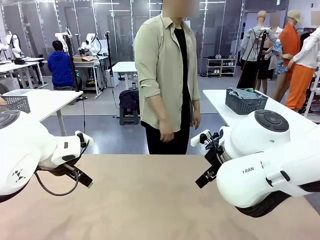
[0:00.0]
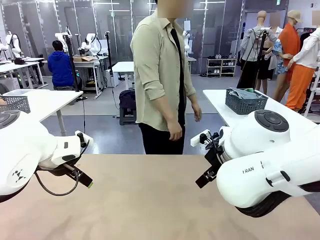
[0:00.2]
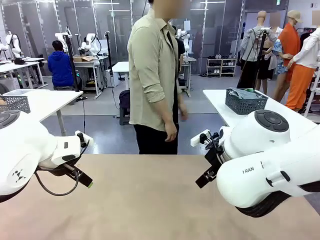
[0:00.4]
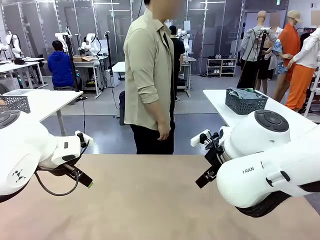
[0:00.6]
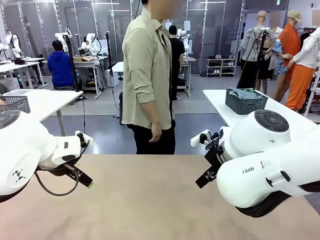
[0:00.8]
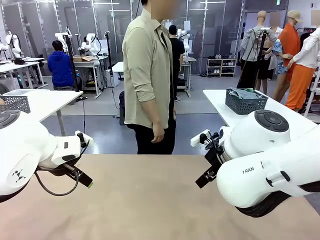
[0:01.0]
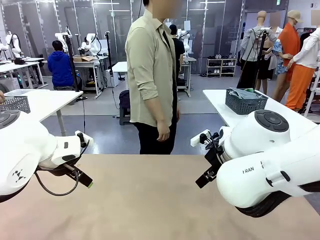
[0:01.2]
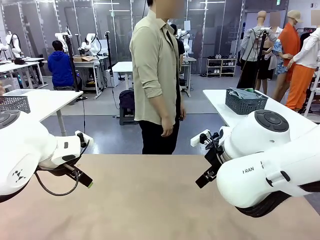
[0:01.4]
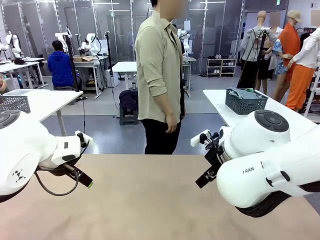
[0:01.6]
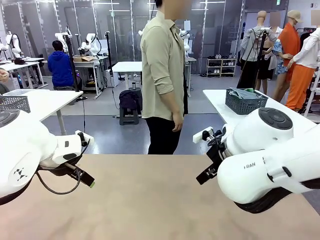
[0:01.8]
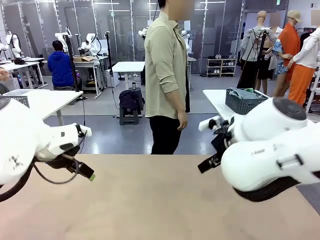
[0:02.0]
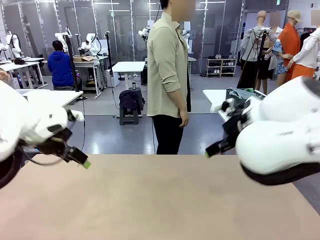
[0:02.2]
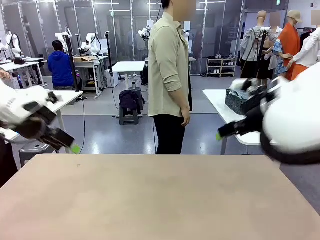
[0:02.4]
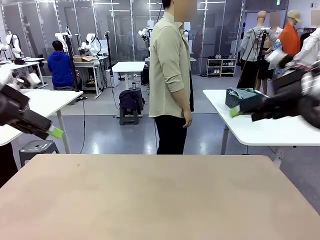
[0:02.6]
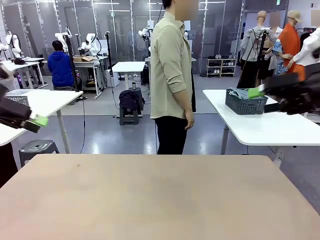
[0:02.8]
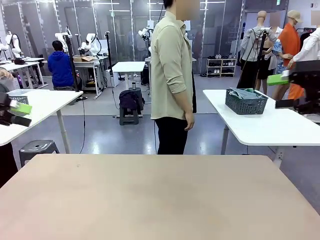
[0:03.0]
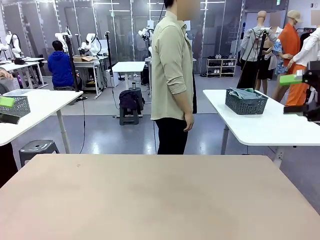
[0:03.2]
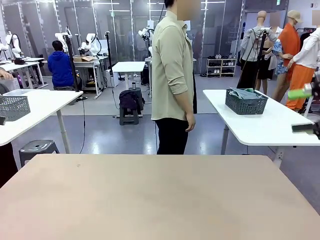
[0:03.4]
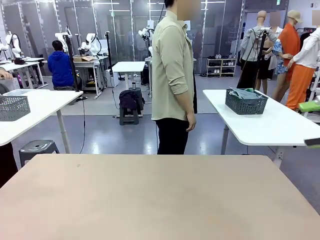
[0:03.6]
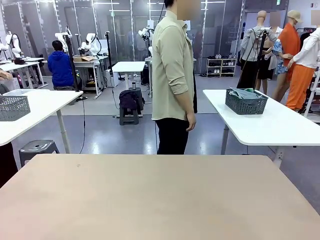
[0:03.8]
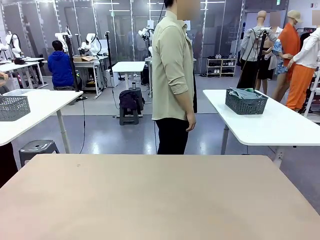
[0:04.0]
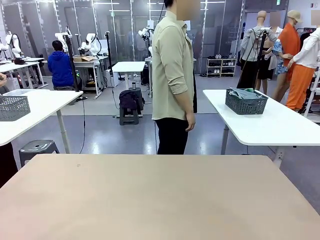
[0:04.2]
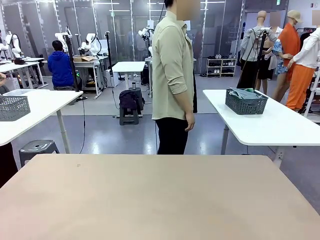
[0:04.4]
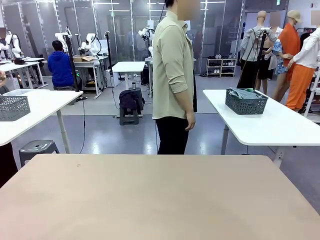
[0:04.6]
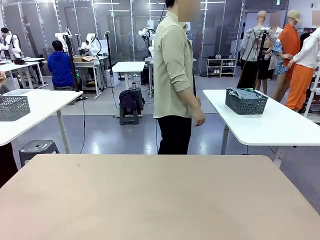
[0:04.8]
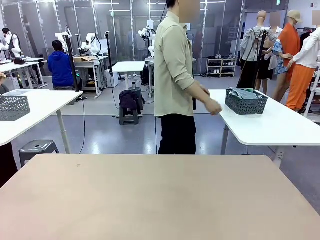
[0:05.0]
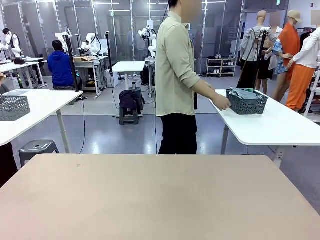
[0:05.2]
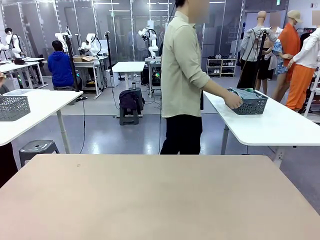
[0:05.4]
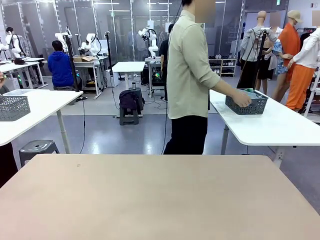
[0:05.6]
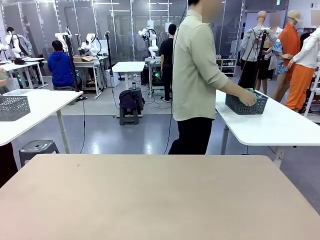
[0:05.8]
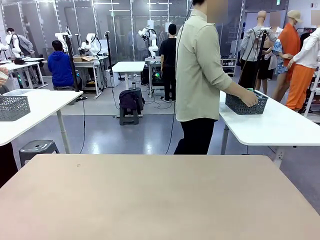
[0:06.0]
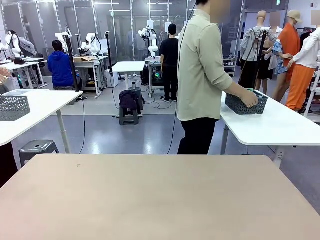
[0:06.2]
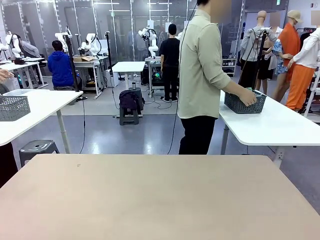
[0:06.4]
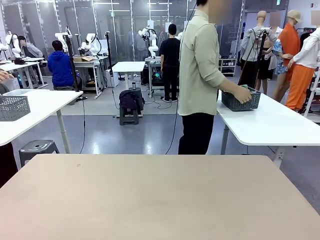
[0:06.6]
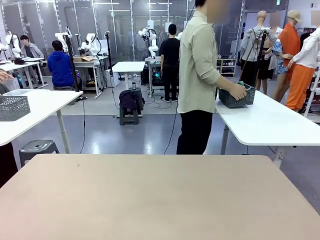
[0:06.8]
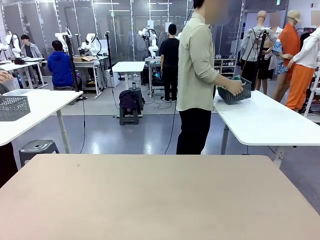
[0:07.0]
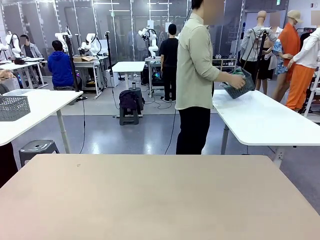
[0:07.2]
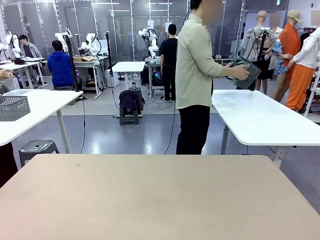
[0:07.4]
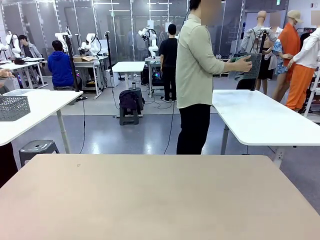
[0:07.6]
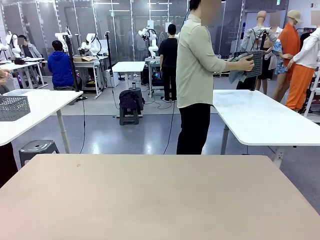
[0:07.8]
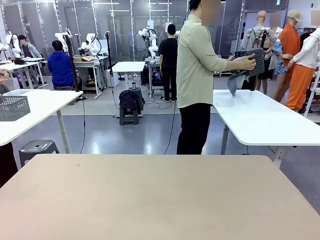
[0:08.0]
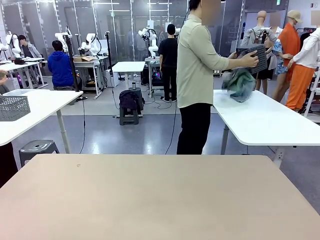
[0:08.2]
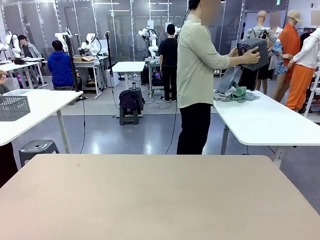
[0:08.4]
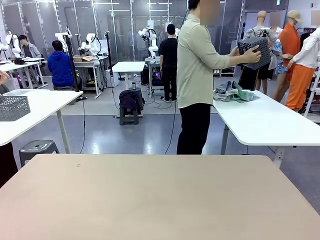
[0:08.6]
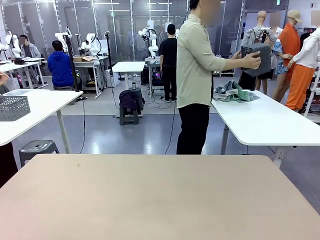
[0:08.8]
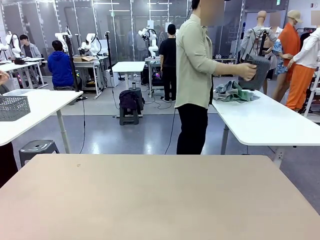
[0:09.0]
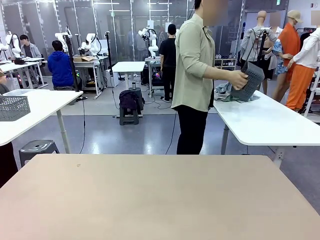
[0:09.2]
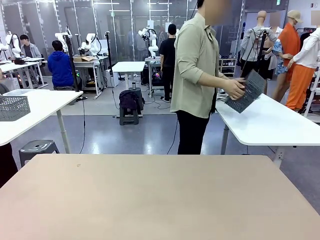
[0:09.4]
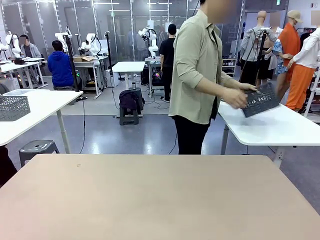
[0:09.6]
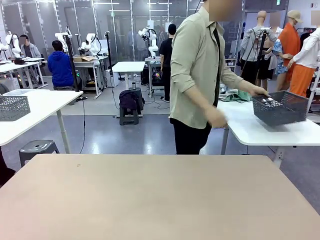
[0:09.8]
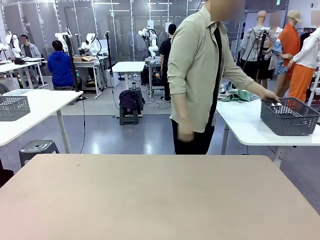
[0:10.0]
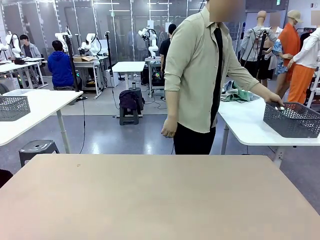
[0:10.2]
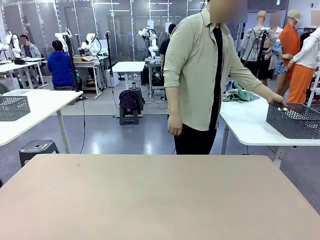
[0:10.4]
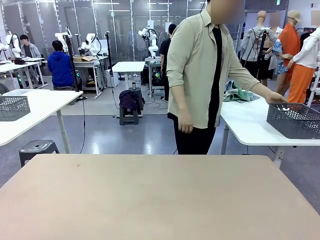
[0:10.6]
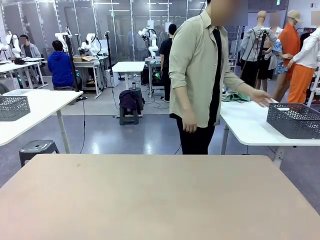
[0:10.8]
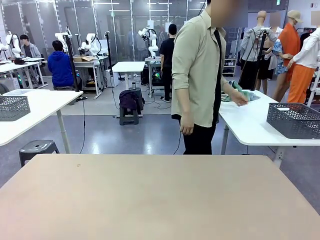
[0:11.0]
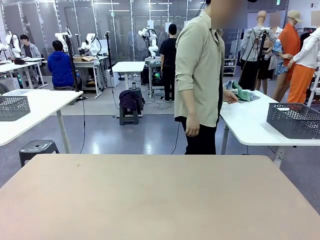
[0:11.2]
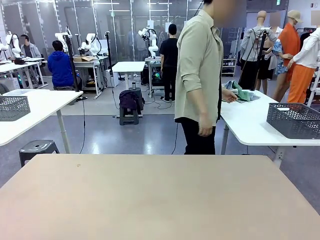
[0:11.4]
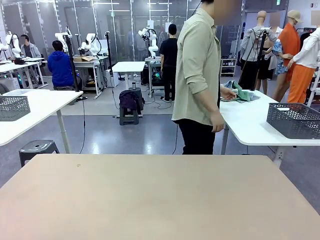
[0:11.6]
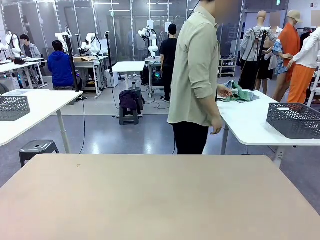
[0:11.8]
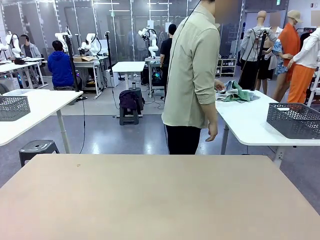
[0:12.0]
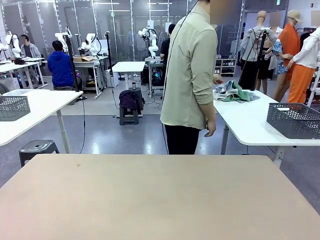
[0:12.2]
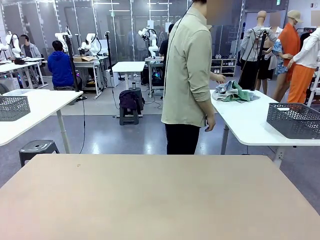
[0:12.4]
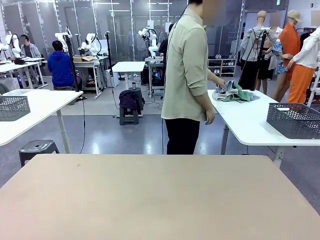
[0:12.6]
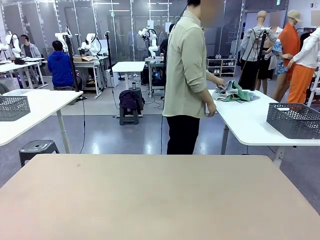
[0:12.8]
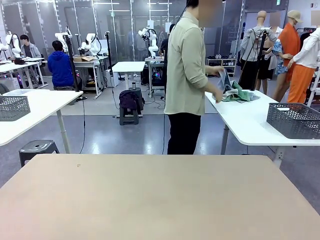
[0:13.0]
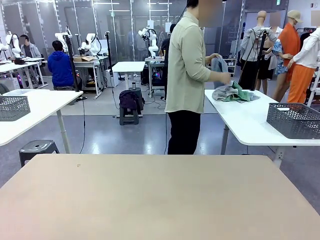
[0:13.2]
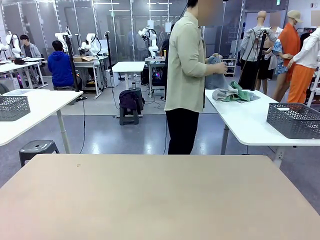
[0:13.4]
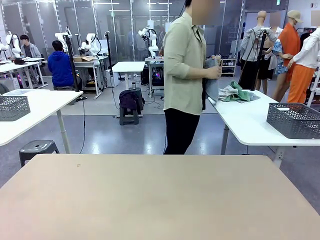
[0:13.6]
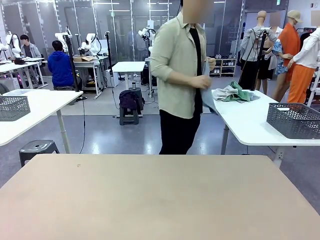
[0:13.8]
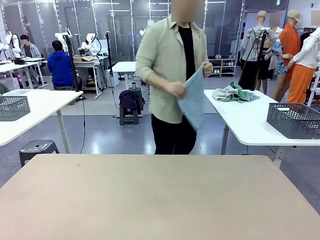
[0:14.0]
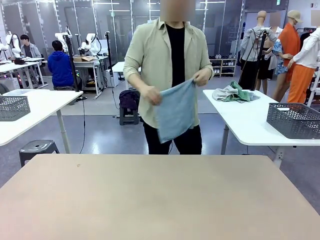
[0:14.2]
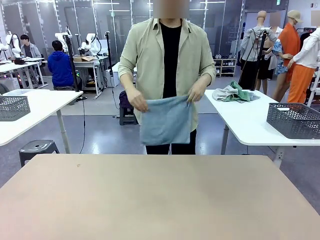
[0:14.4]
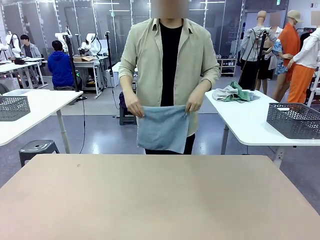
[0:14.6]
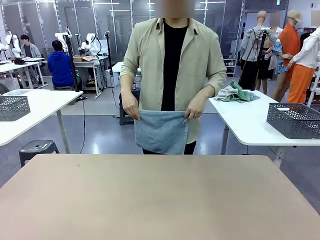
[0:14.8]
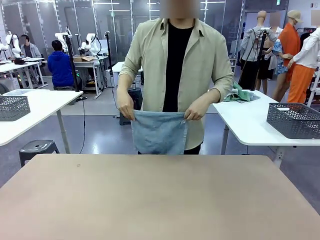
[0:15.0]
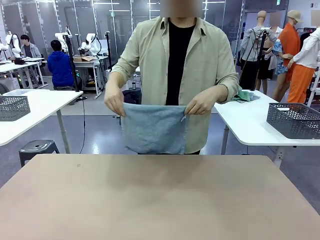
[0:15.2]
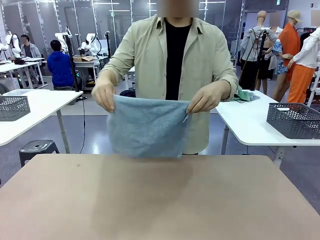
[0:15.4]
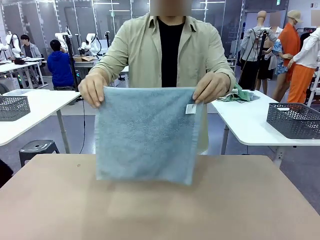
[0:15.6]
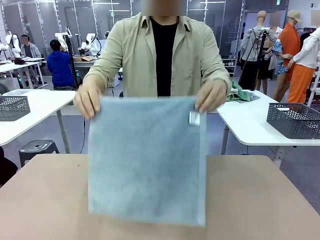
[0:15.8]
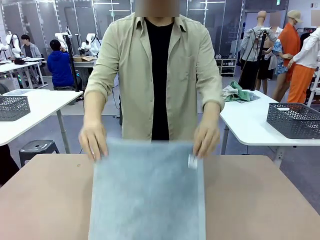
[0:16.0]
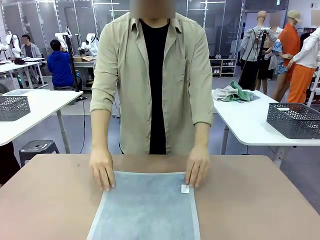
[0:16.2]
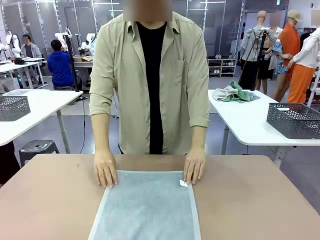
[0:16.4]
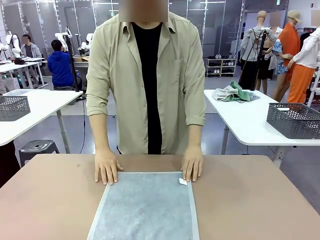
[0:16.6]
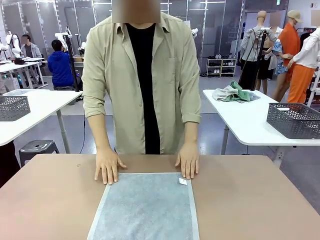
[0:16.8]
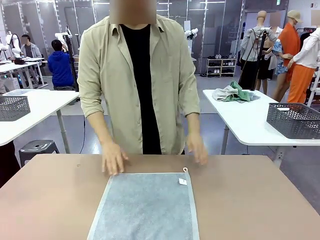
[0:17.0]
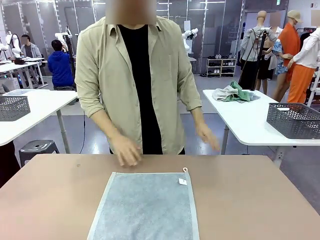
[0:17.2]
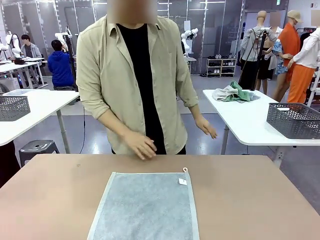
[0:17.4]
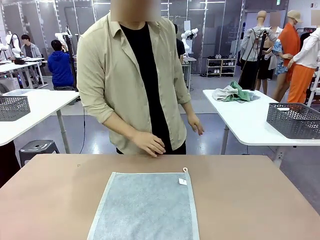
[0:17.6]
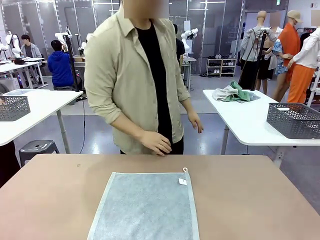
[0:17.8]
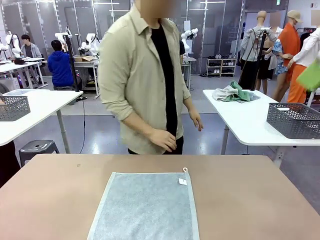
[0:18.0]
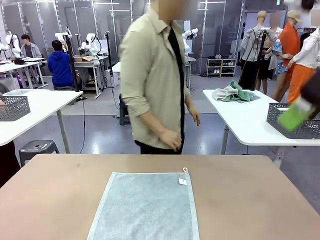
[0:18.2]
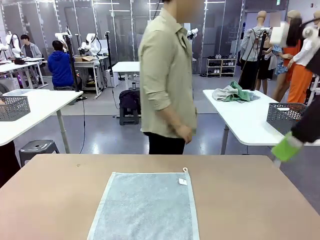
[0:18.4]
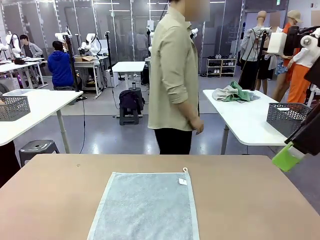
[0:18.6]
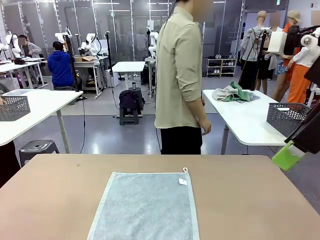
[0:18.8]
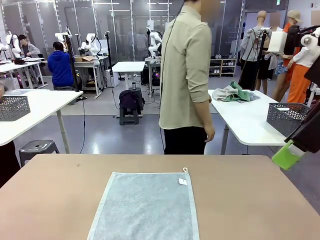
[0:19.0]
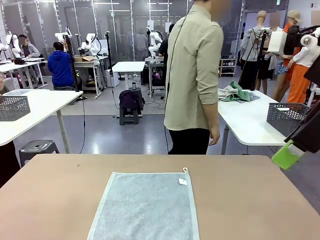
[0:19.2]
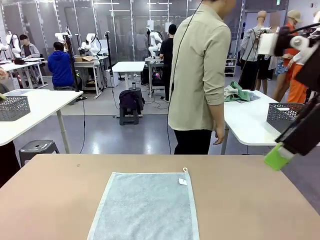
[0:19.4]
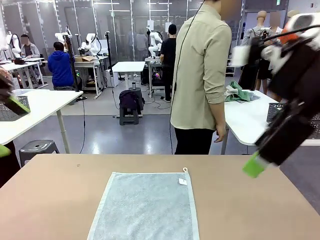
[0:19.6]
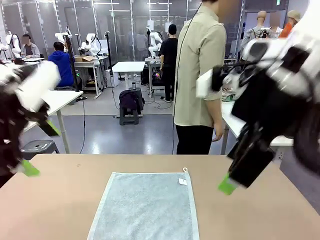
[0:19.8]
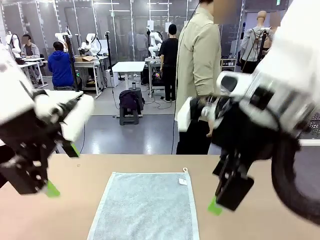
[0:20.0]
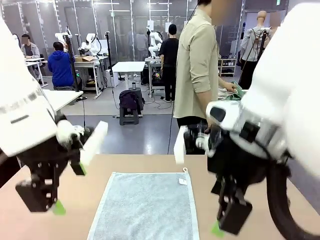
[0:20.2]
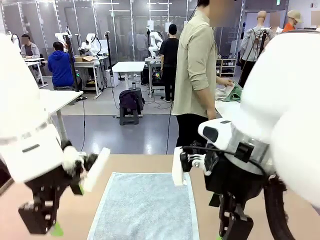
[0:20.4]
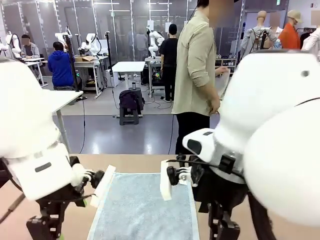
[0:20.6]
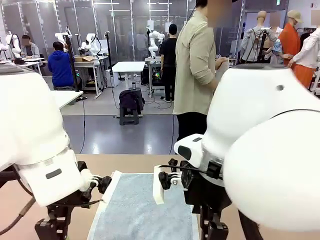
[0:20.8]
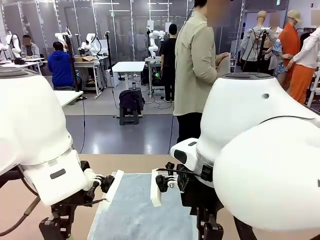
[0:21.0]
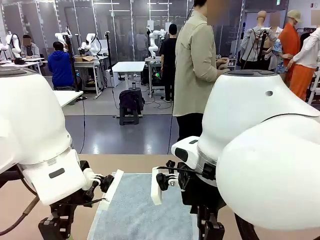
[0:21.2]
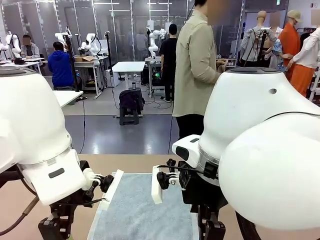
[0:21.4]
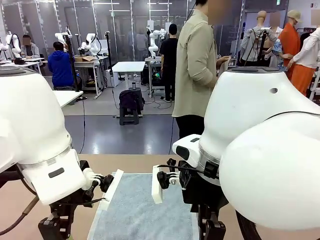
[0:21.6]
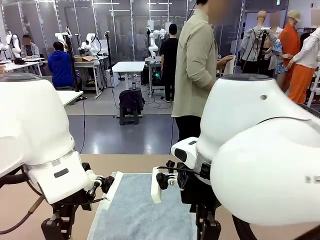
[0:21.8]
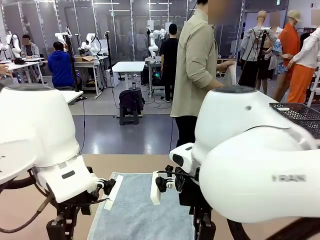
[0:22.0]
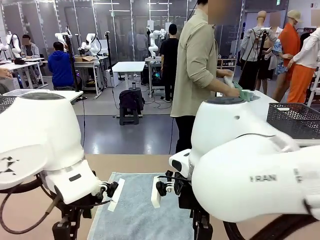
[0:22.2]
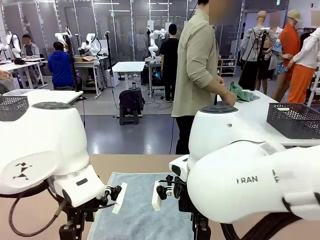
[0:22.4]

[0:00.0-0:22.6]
Task: Fold the towels and place them in the basket.
Robot: When a person lays out a Towel with hook on the table, fold it in half twice.
Person: Pick up the basket, pour the towels onto the left side of the human table, and place the basket on the right side. Pick up one towel and spread it out at the center of the robot table.
